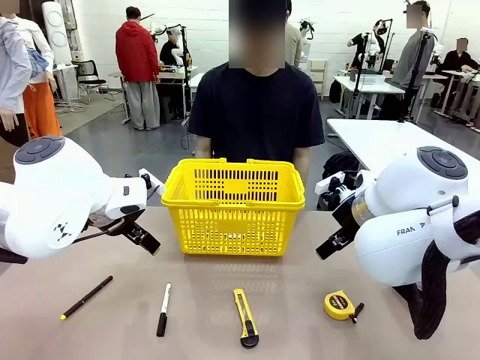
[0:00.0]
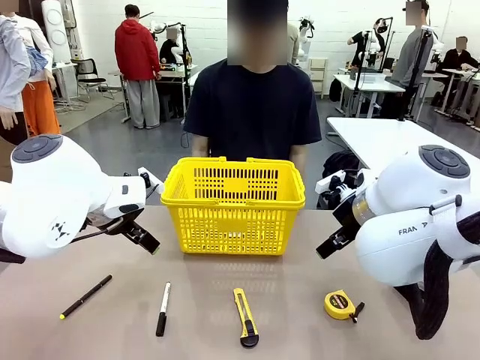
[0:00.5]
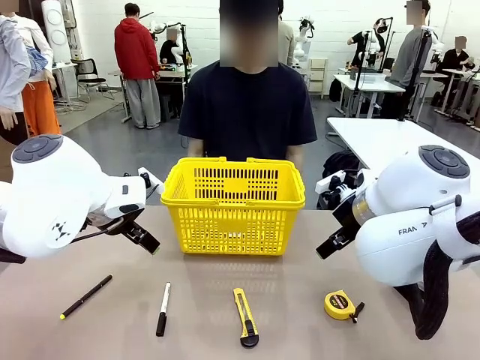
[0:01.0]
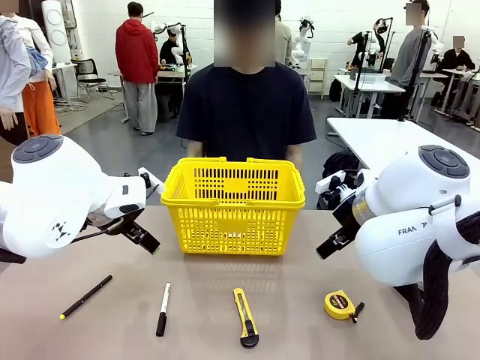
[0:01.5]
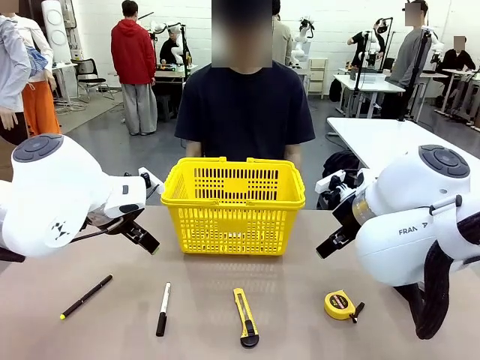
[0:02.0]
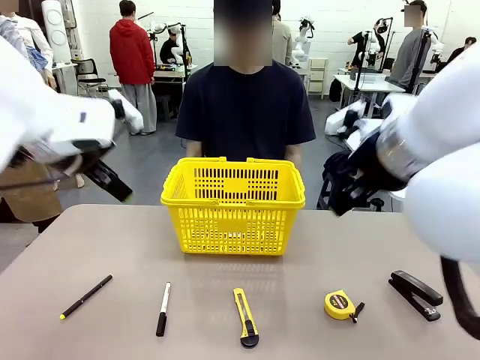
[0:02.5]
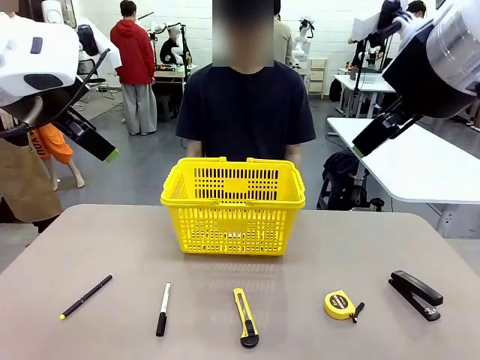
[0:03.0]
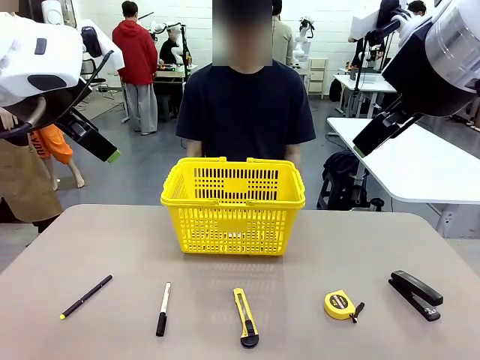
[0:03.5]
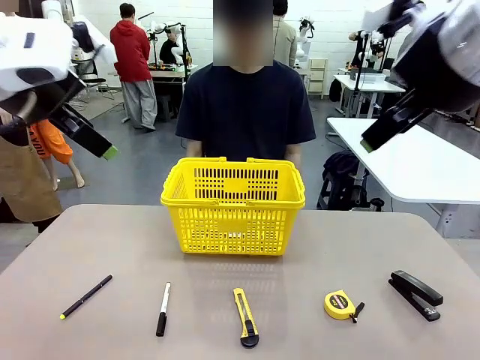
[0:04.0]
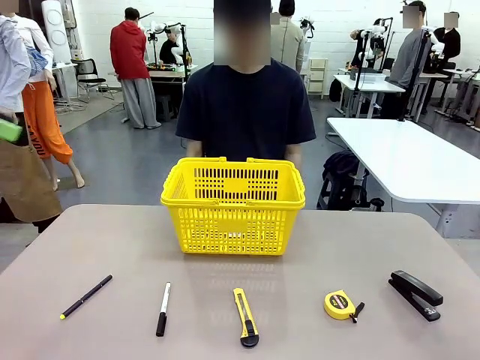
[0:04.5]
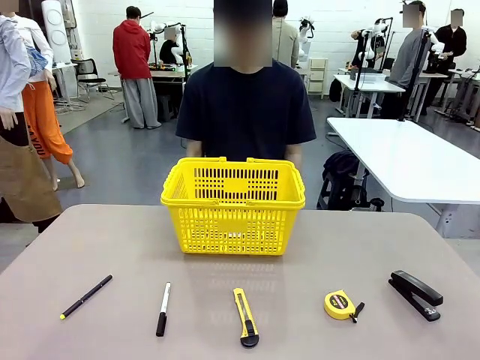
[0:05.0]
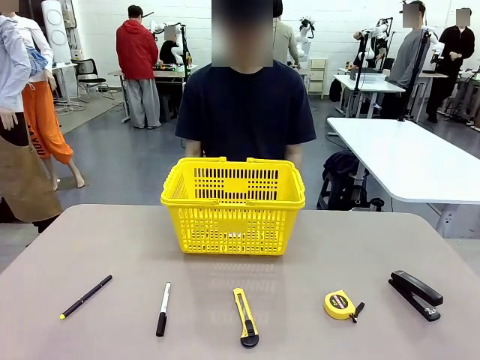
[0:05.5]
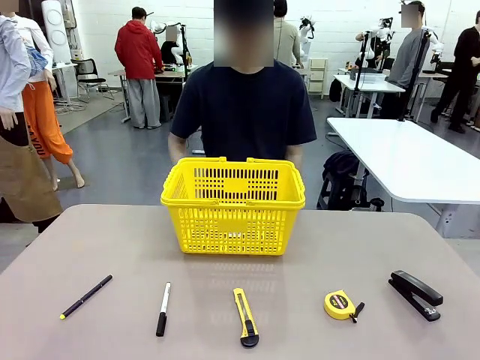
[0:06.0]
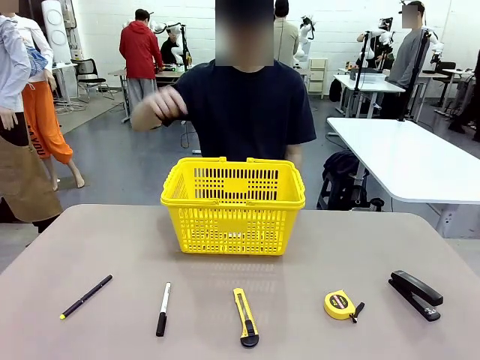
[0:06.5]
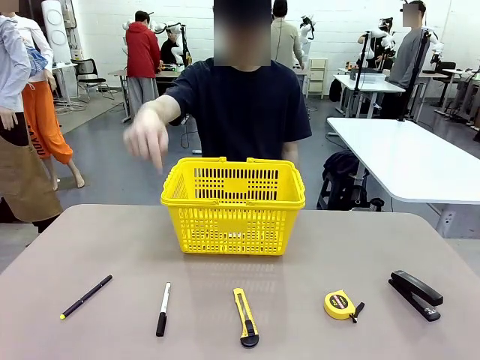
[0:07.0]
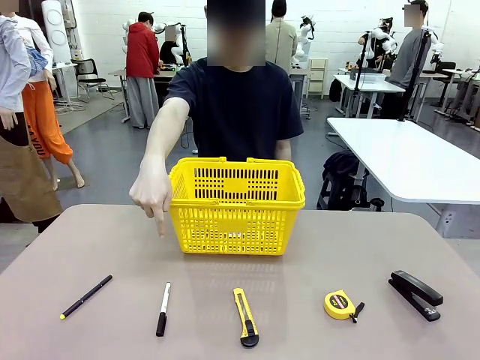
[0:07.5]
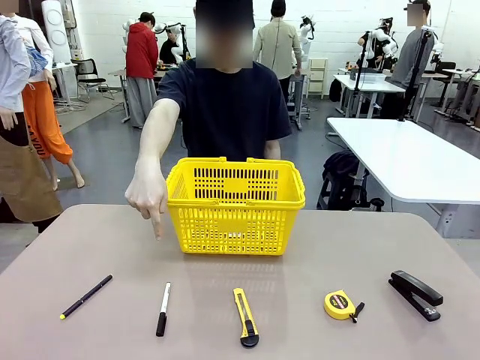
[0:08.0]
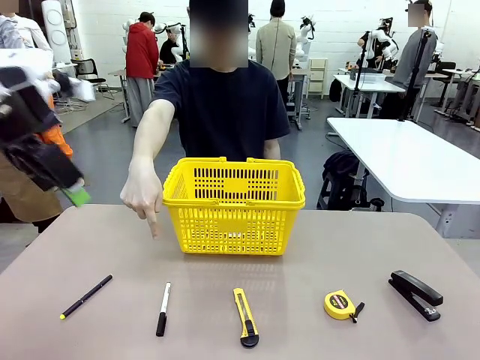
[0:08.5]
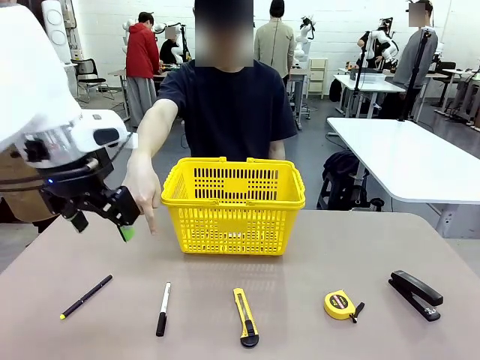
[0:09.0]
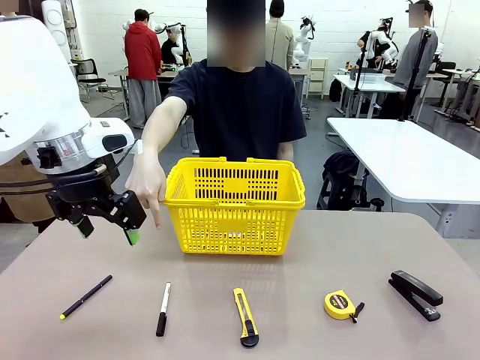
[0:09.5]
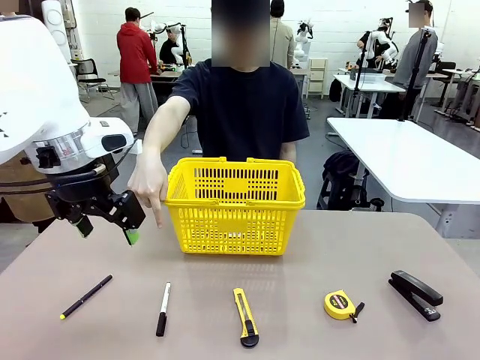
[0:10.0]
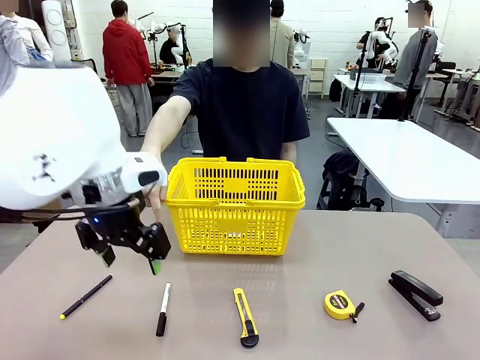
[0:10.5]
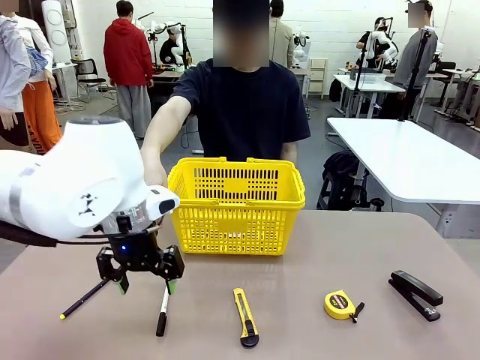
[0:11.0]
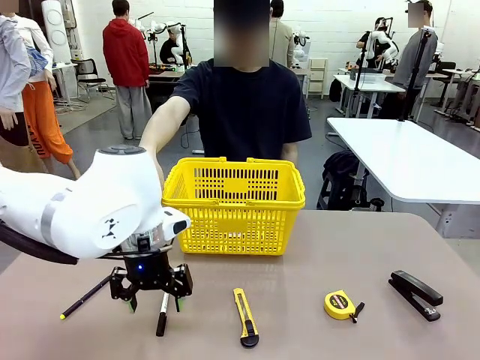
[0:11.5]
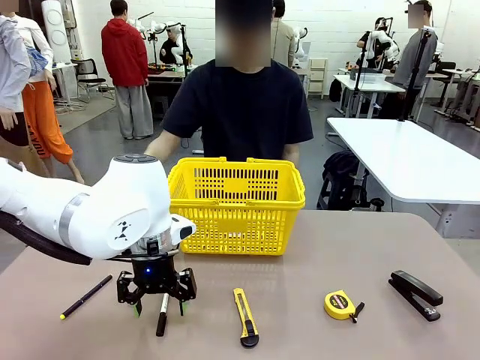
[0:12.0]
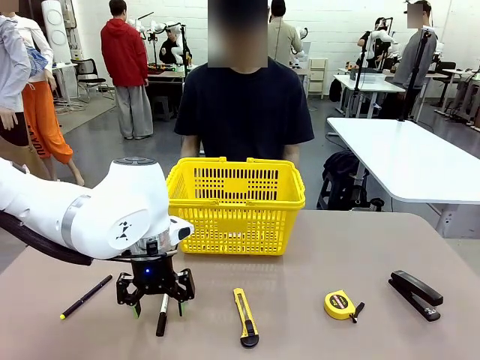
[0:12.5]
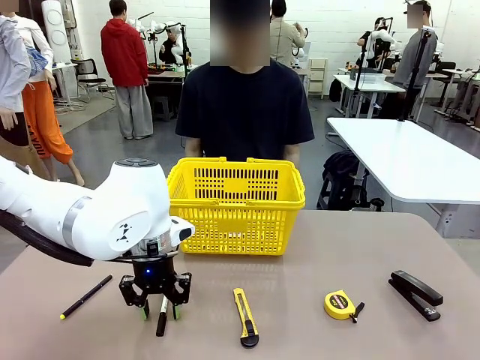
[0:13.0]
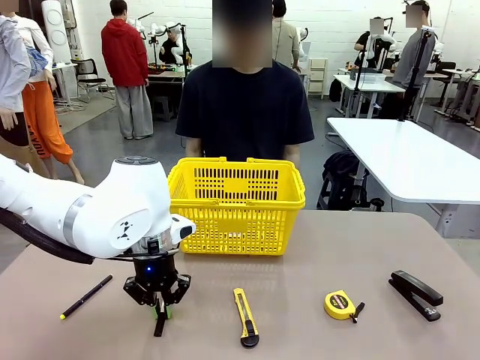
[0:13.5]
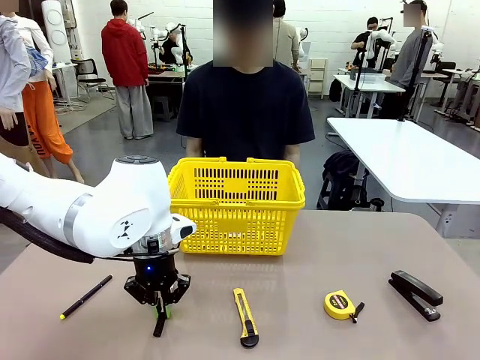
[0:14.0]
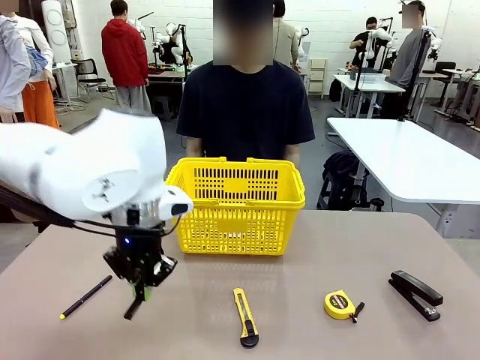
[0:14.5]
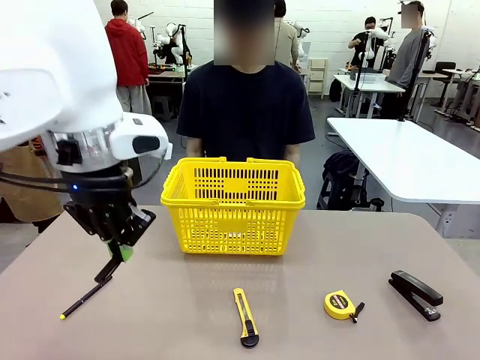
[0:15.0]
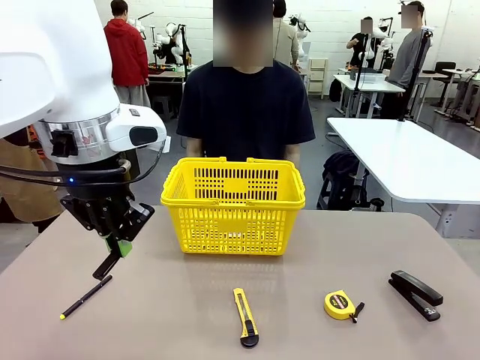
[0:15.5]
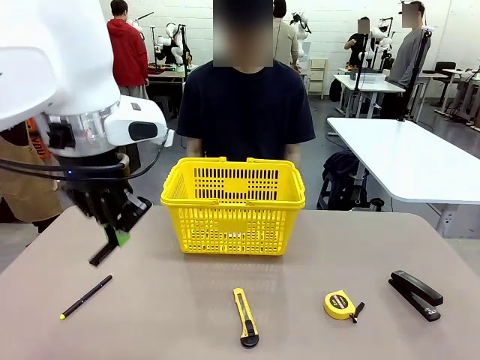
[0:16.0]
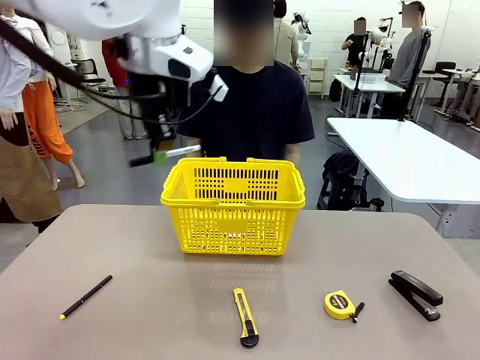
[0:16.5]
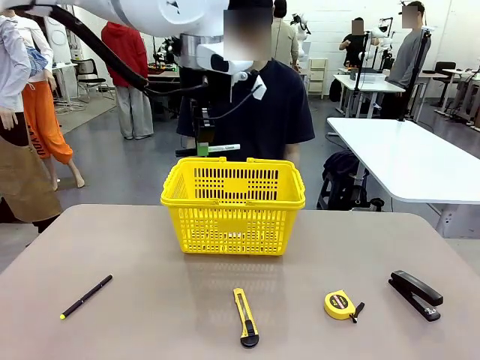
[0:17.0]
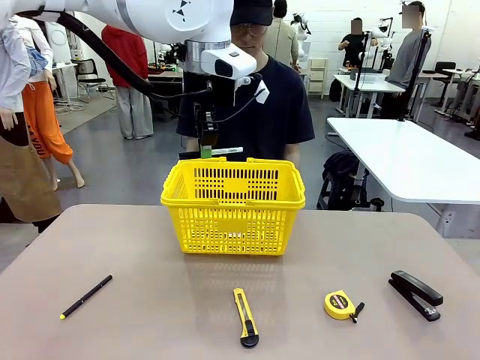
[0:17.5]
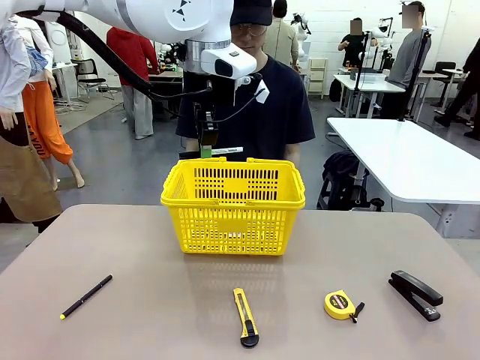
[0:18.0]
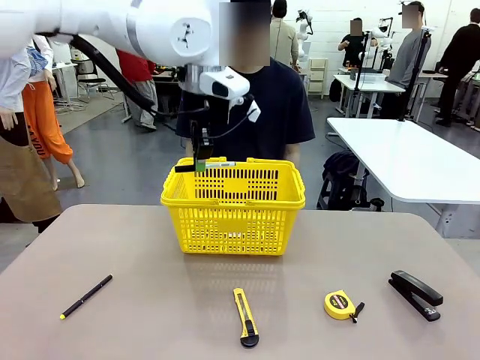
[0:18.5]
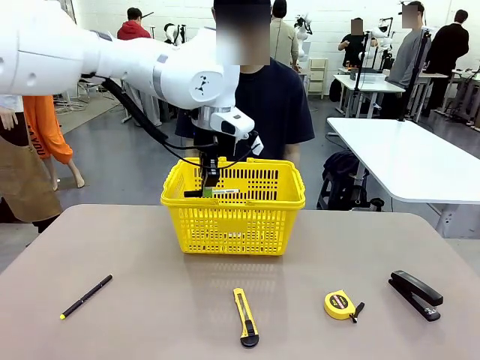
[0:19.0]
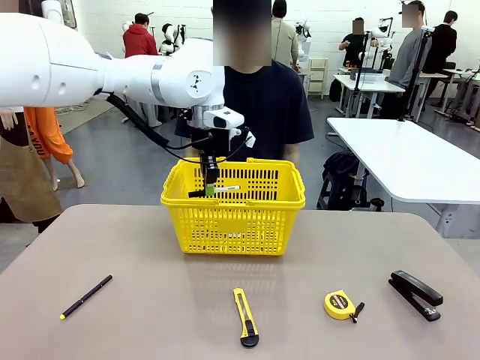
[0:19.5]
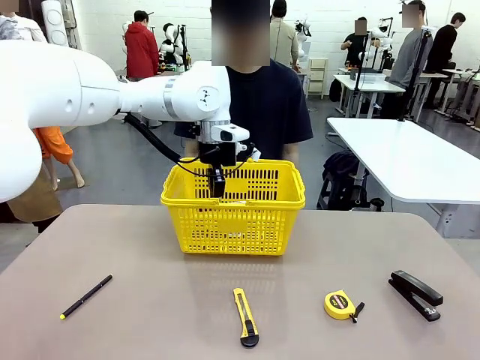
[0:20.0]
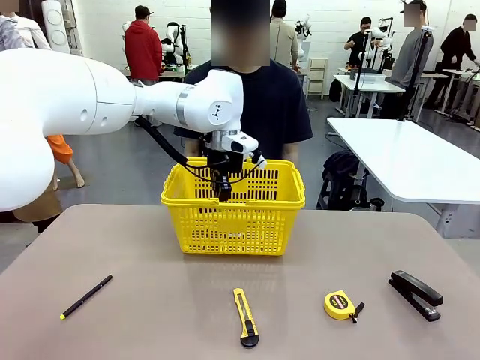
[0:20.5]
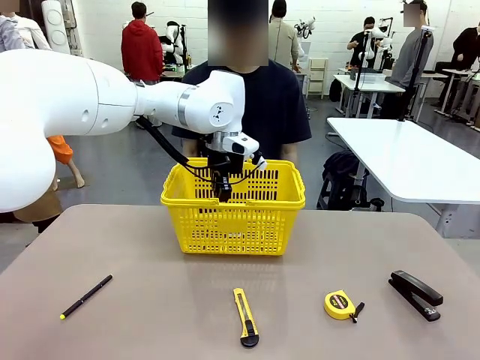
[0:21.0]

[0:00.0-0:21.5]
Task: Place the items the person wants into the basket.
Robot: Pick up the item the person points to and place it in the Market Basket.
